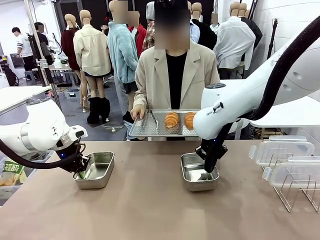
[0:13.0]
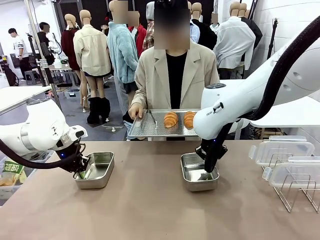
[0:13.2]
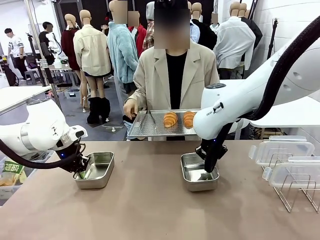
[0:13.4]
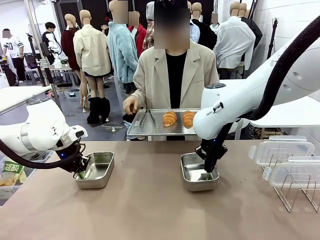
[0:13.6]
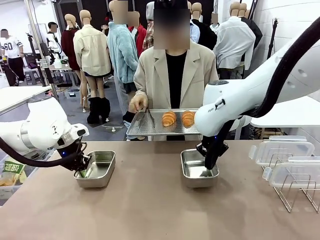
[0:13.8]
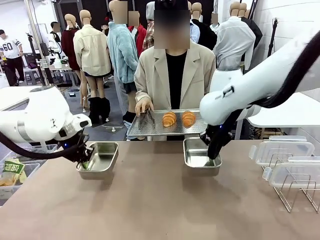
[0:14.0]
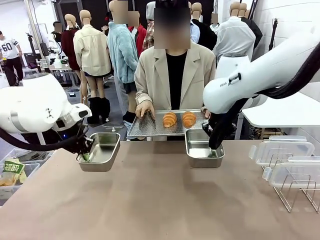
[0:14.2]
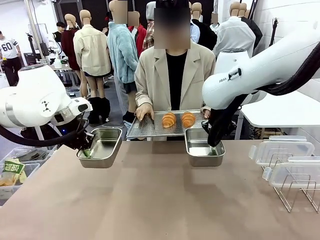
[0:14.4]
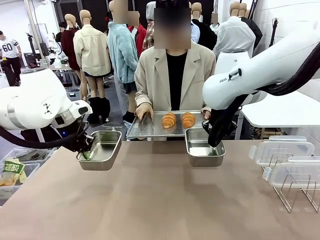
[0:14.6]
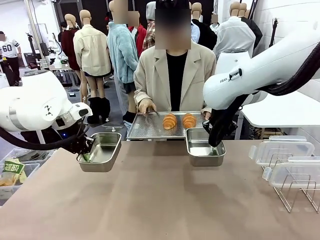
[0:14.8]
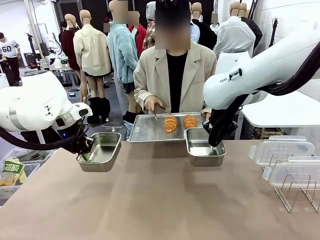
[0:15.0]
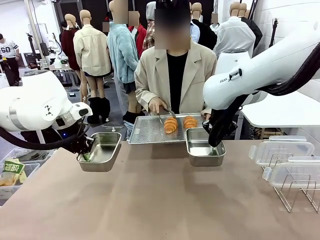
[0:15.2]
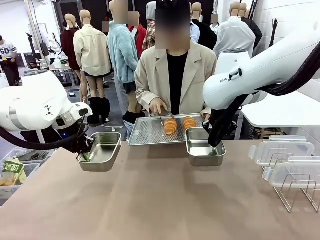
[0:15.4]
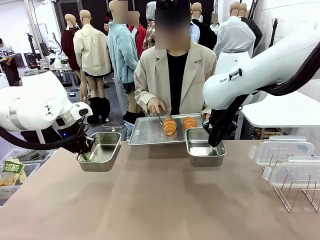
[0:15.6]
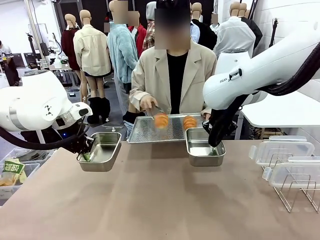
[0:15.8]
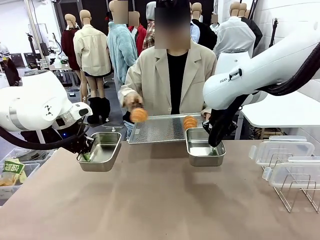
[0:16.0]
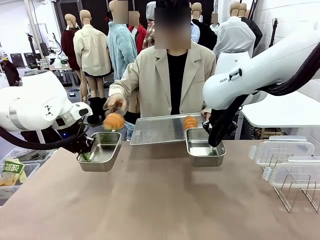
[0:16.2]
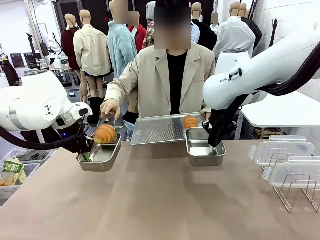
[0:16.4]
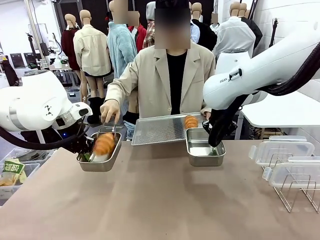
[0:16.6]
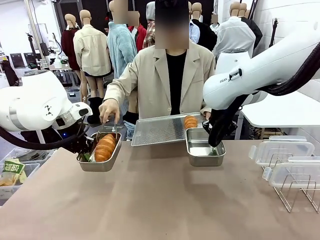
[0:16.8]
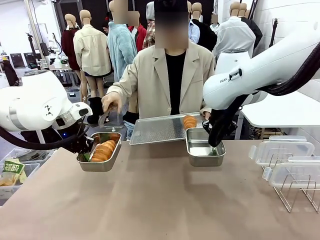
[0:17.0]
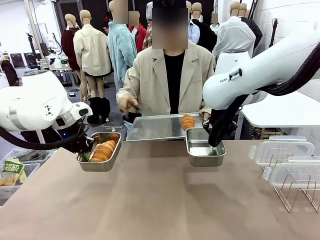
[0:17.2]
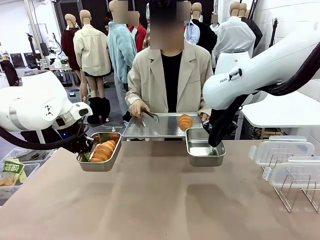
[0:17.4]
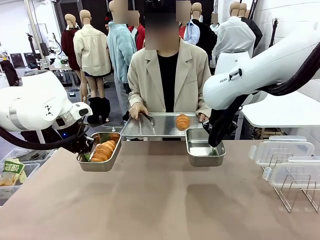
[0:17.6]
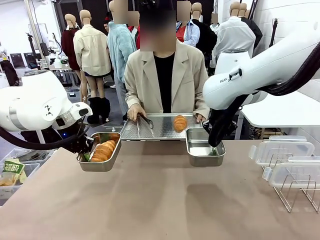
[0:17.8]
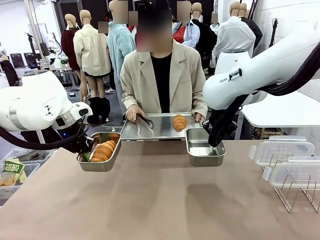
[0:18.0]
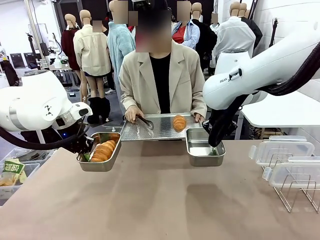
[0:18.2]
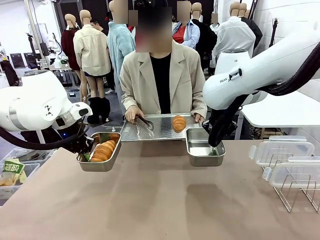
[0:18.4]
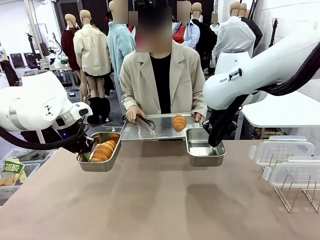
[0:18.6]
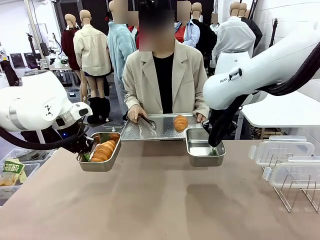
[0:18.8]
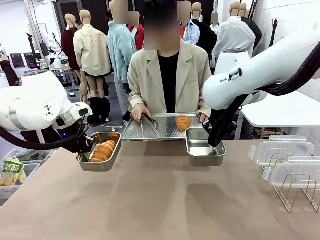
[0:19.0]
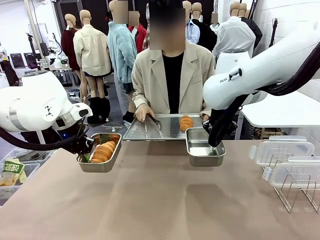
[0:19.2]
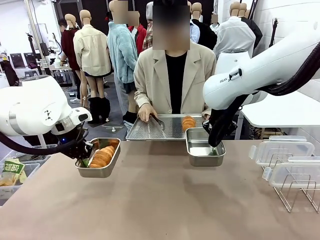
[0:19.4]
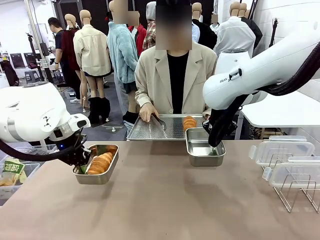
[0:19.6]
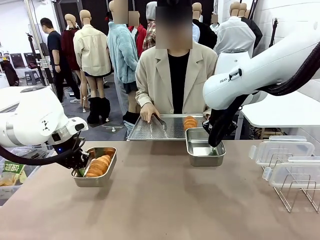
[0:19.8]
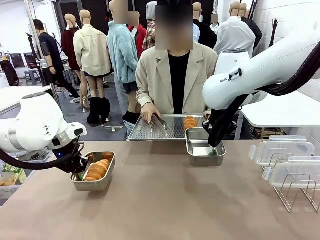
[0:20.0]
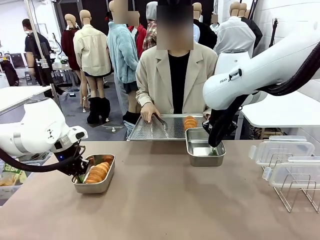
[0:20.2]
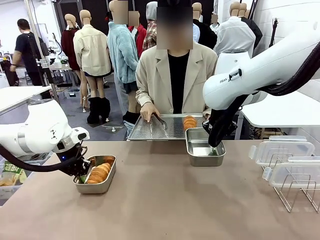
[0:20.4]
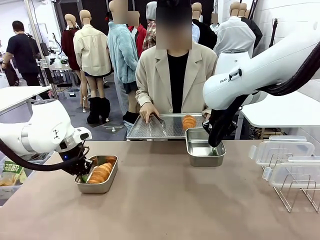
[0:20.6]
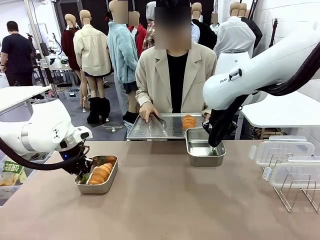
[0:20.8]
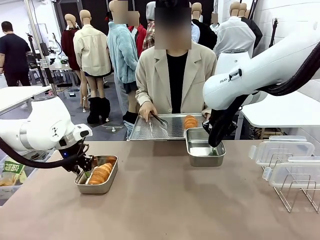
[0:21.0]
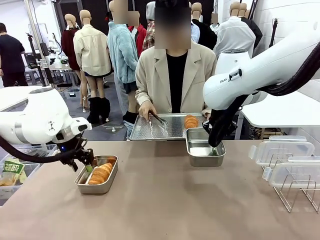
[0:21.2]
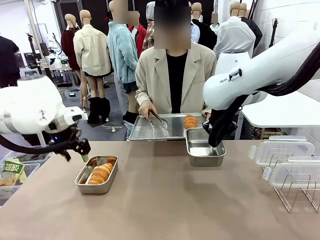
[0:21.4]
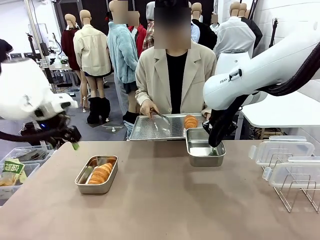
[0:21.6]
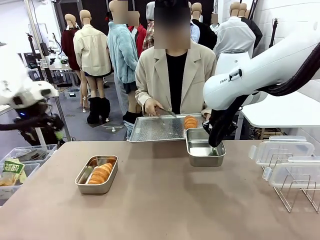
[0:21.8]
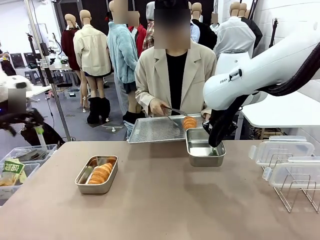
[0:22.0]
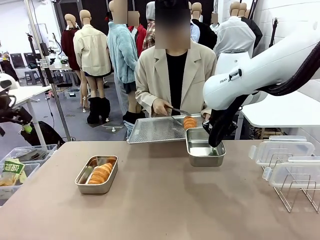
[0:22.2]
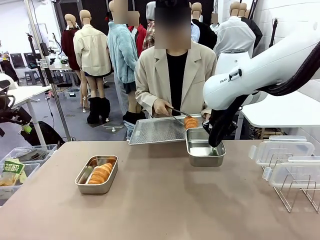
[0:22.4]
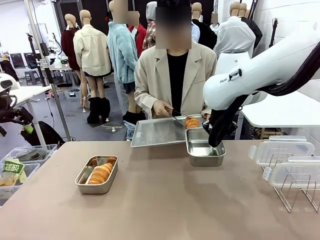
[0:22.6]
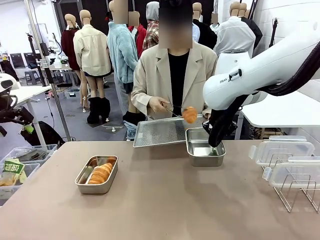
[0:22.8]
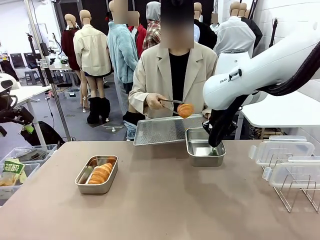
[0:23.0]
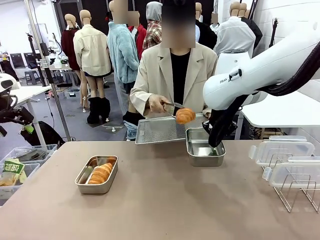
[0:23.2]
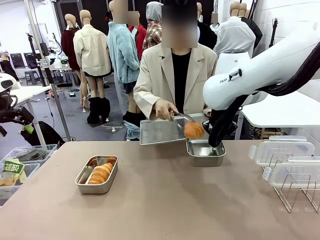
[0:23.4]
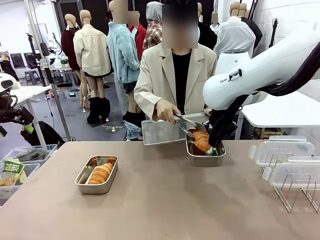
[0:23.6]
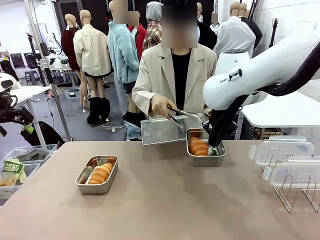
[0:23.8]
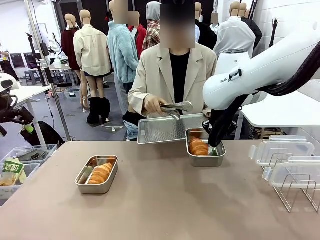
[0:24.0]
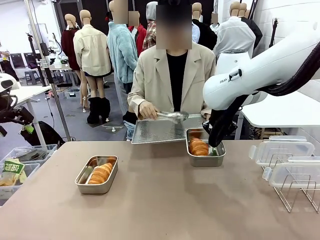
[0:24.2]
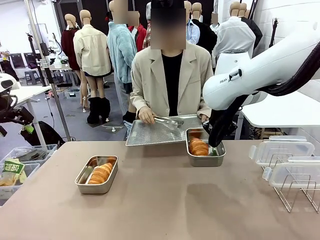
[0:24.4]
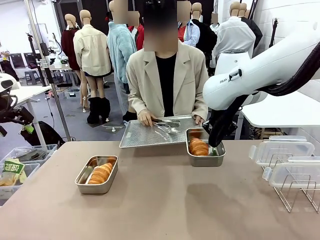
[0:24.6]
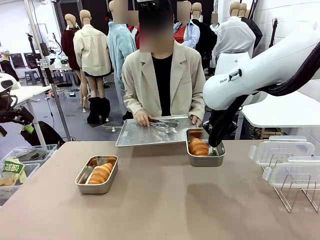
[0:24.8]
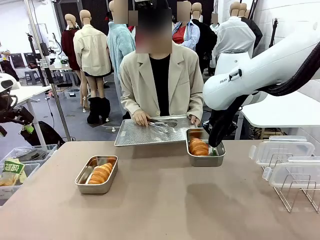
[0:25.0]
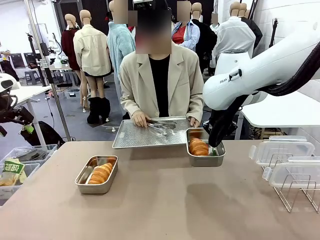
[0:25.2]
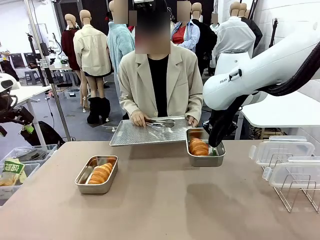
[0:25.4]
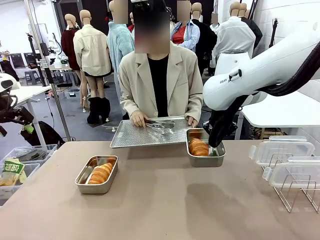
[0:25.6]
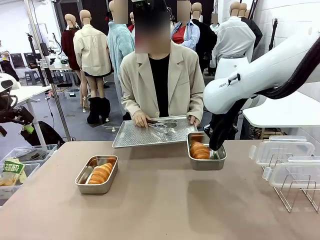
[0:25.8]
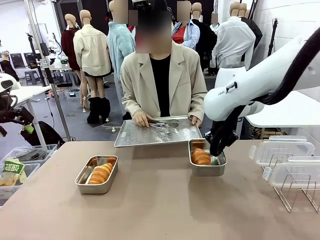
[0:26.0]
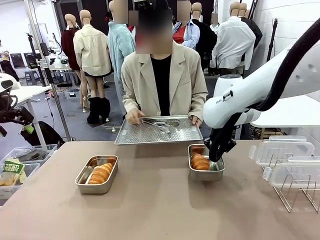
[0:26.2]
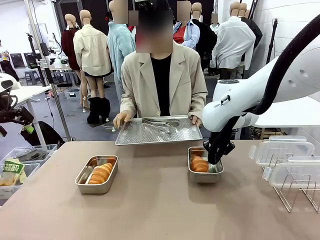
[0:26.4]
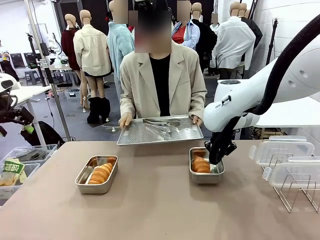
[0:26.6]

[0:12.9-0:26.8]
Task: Place the bread in airtight containers.
Robot: Once an object is inside an Airtight Container , place the container in the center of the table.
Person: Use the Stainless steel tongs to place one object from Baking Sheet into one Airtight Container.

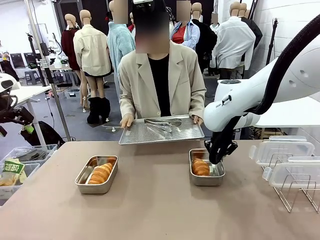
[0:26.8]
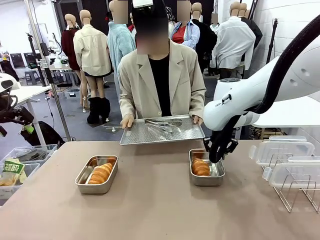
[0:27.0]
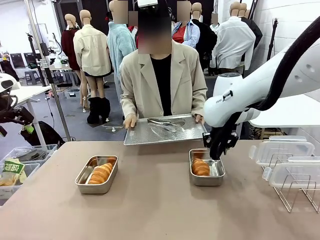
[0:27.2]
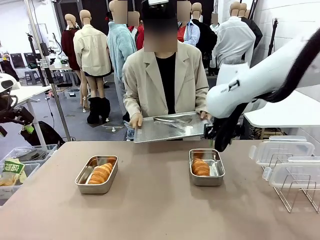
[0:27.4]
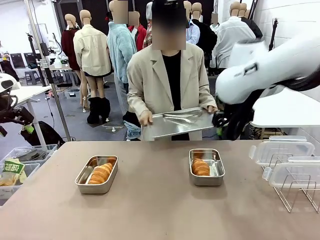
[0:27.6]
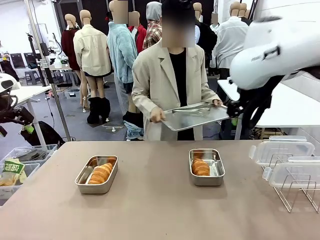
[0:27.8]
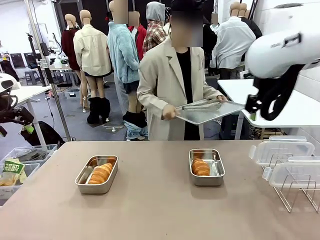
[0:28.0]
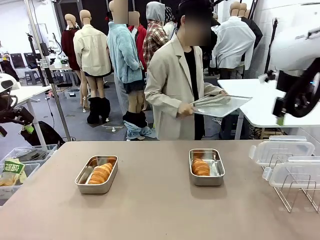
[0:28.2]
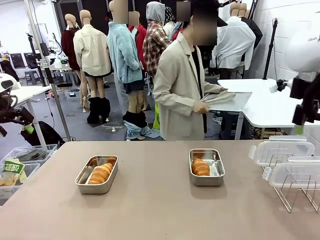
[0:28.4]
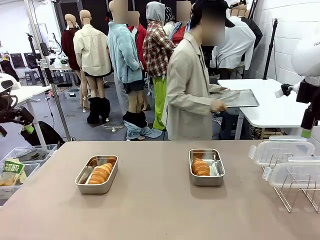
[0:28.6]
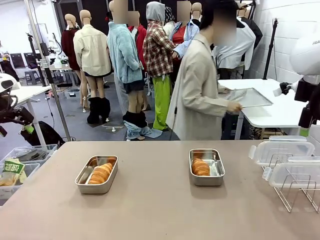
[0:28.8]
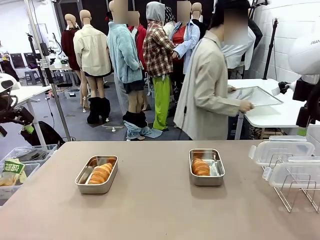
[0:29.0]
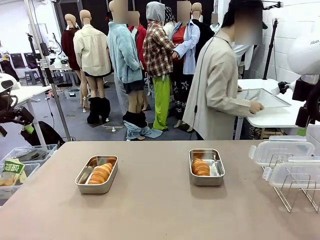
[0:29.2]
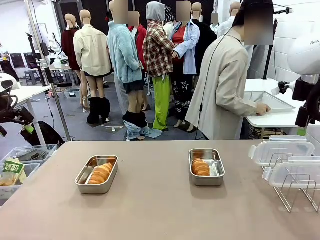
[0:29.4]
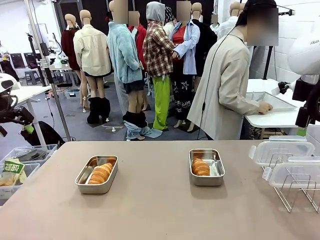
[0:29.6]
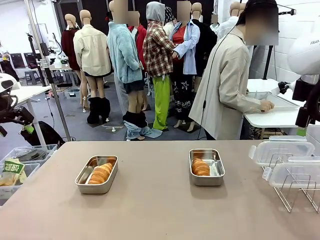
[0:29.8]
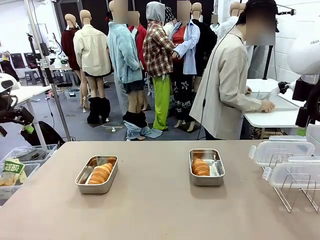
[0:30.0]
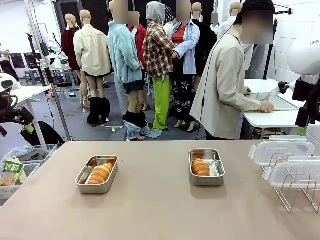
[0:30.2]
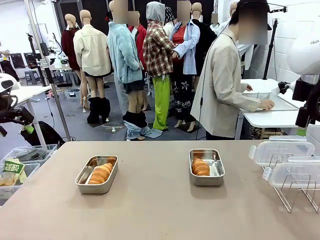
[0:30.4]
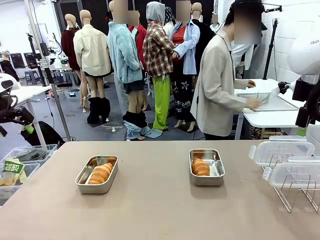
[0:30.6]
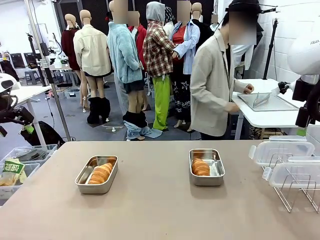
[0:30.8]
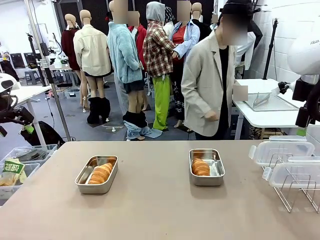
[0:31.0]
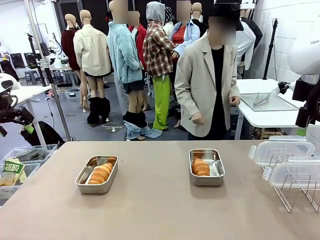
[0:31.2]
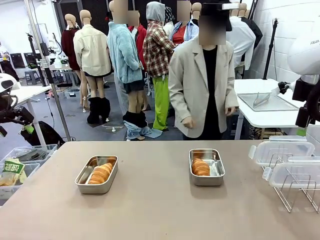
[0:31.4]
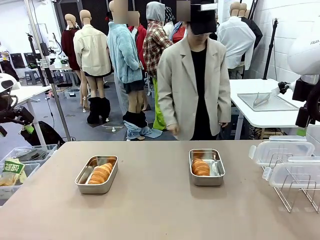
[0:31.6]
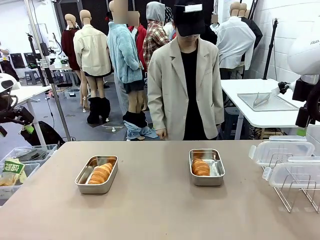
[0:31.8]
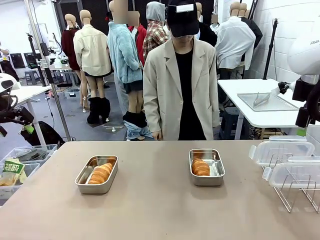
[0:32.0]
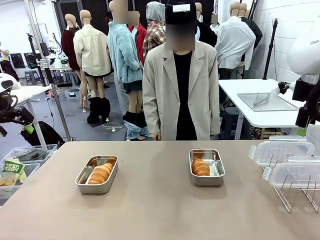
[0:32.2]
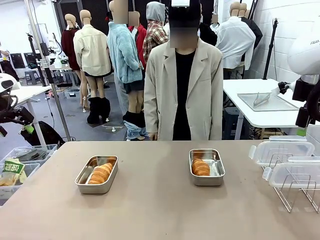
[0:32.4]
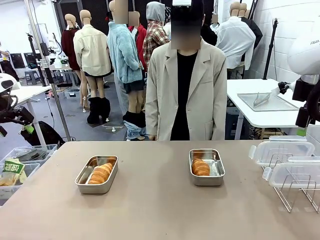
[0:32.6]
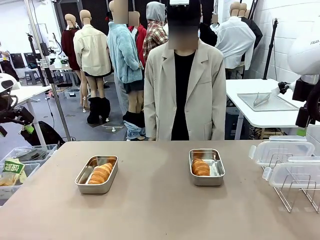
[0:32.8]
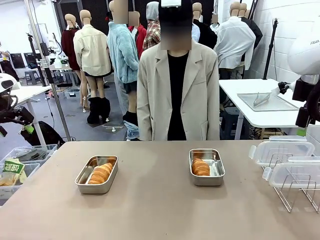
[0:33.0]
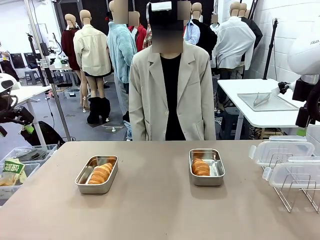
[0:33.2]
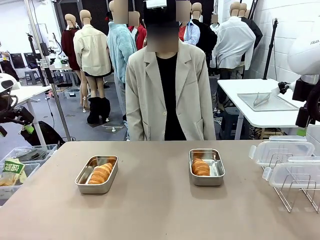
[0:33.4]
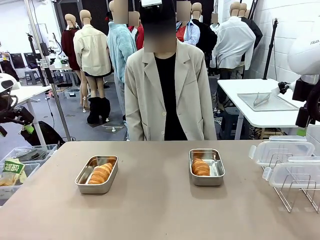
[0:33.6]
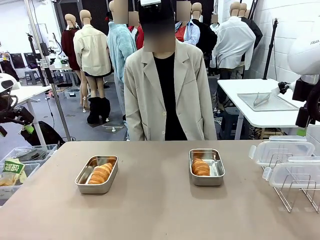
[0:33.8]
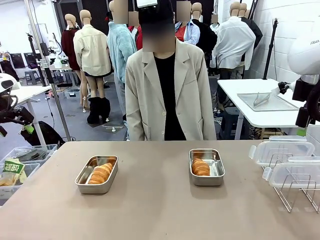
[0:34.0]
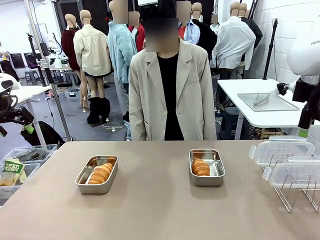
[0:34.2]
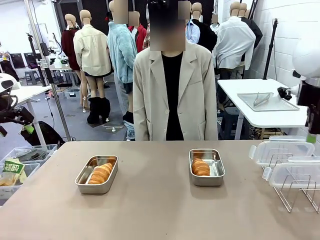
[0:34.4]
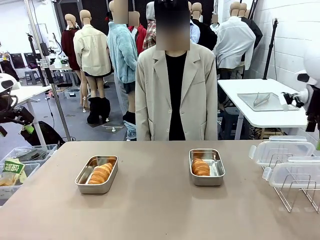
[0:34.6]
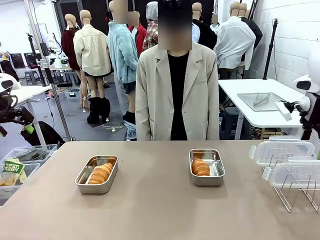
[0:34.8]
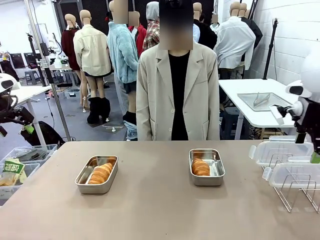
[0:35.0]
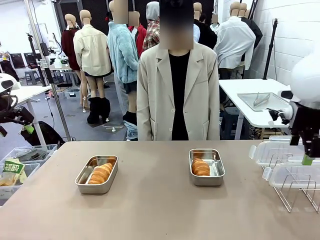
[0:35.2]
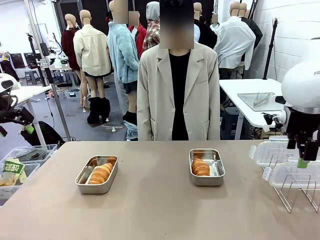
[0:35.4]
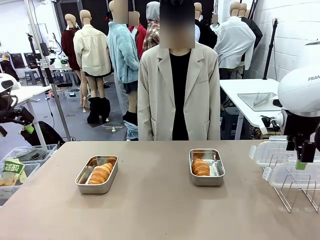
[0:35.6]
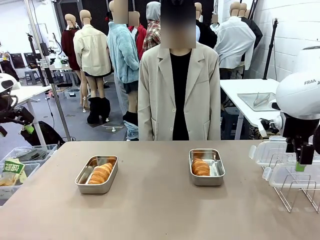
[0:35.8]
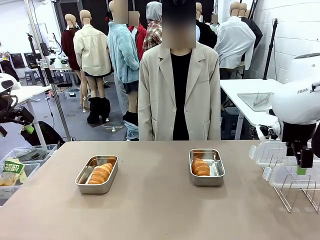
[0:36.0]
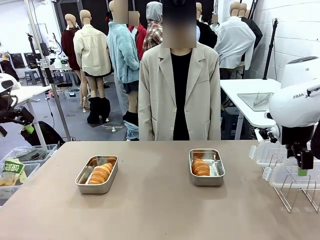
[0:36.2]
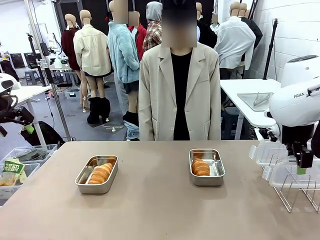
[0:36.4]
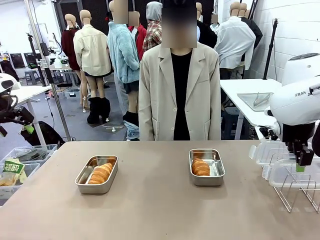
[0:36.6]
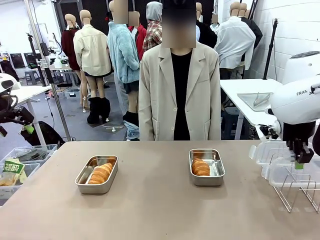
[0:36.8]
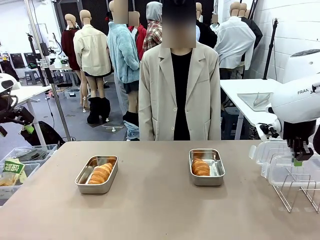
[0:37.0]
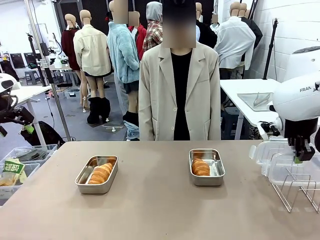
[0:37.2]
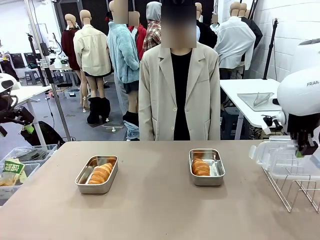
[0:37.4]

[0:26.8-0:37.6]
Robot: Pick up one Airtight Container lid and hand it to the human.
Person: Place Baking Sheet on the Human's Table.
